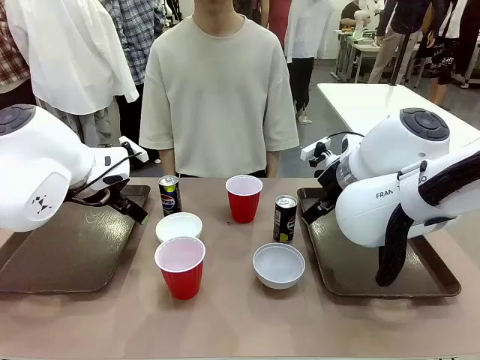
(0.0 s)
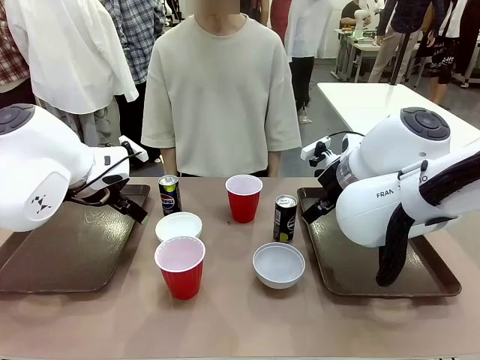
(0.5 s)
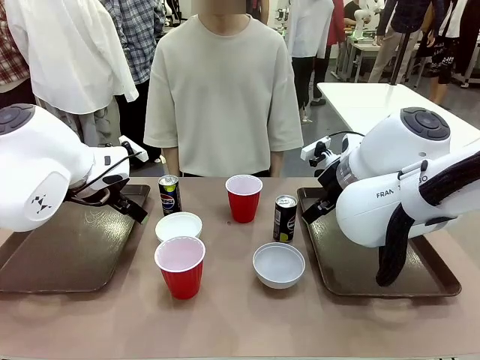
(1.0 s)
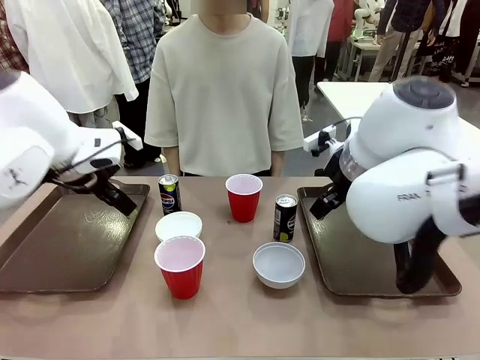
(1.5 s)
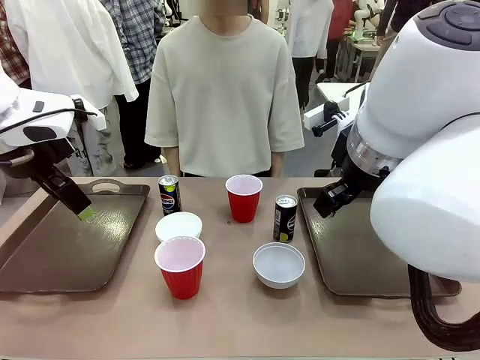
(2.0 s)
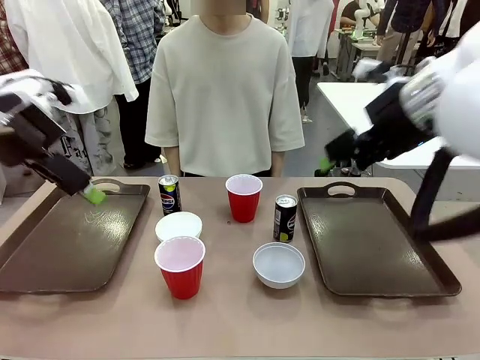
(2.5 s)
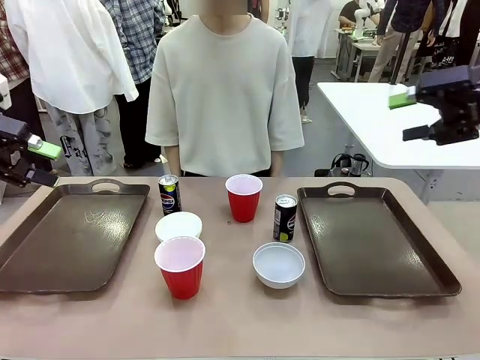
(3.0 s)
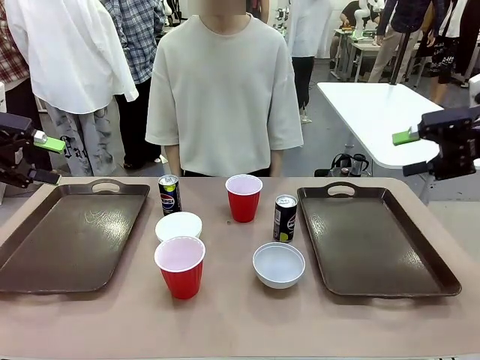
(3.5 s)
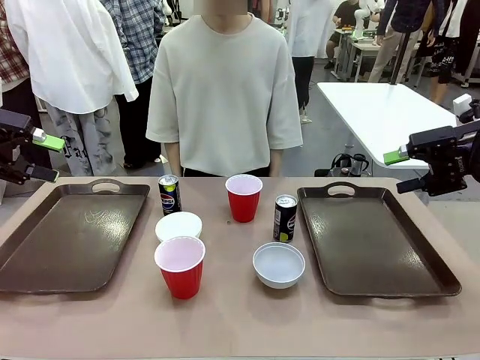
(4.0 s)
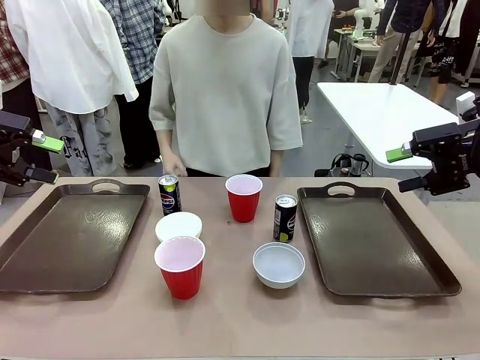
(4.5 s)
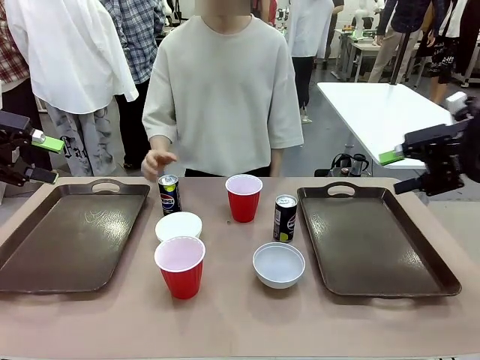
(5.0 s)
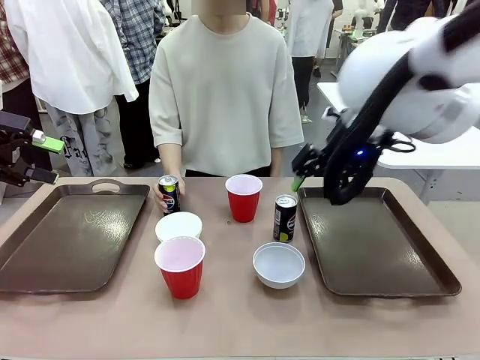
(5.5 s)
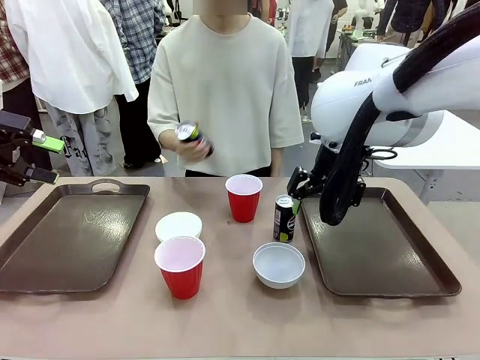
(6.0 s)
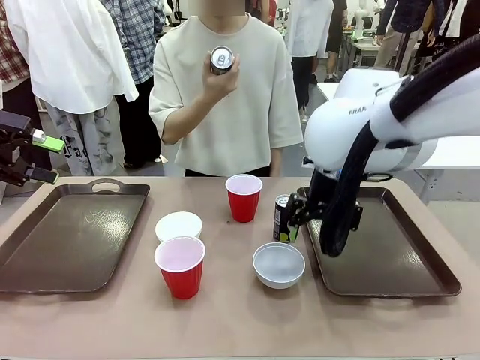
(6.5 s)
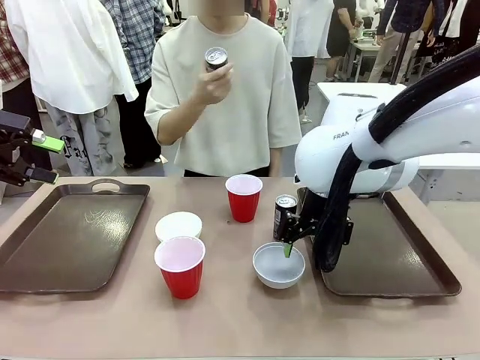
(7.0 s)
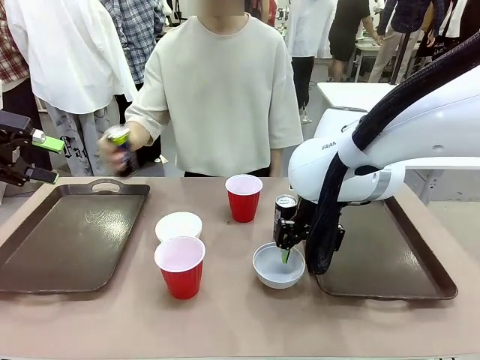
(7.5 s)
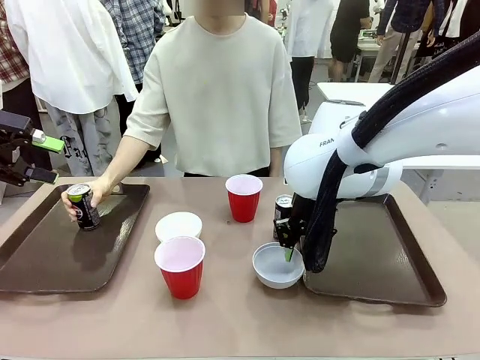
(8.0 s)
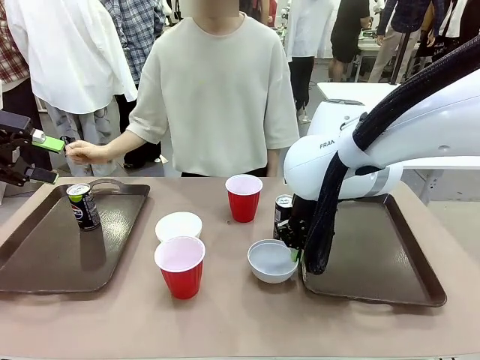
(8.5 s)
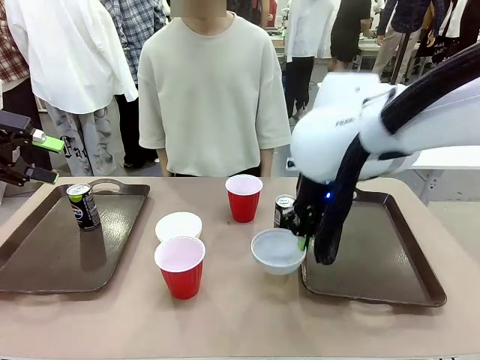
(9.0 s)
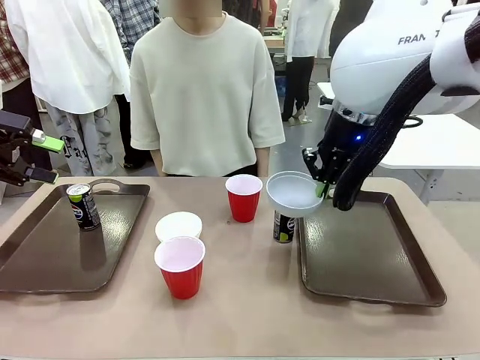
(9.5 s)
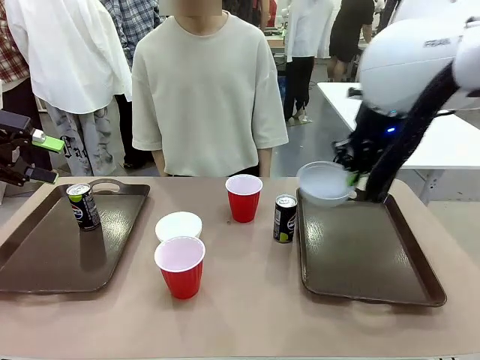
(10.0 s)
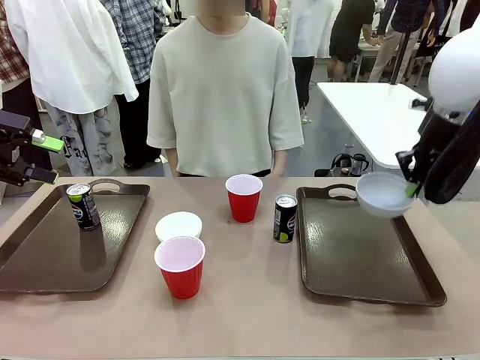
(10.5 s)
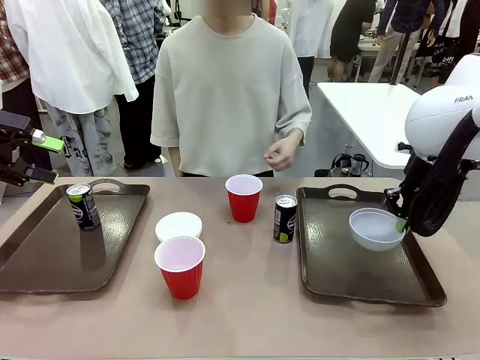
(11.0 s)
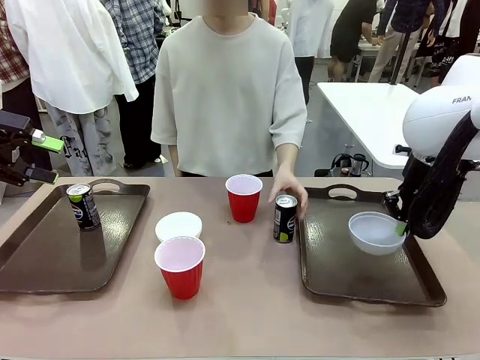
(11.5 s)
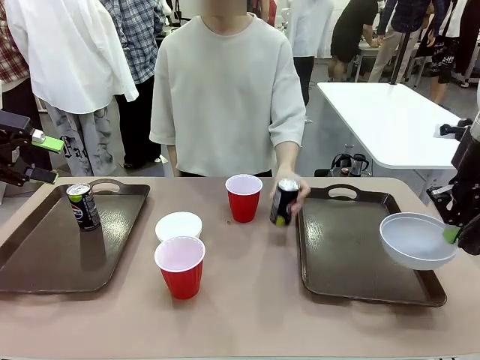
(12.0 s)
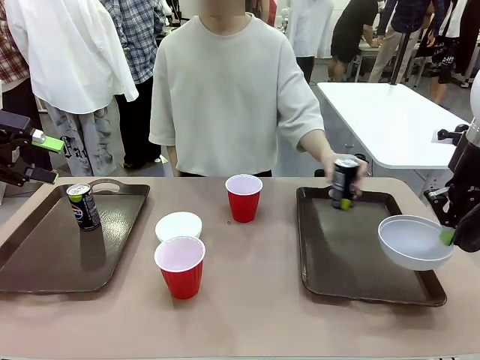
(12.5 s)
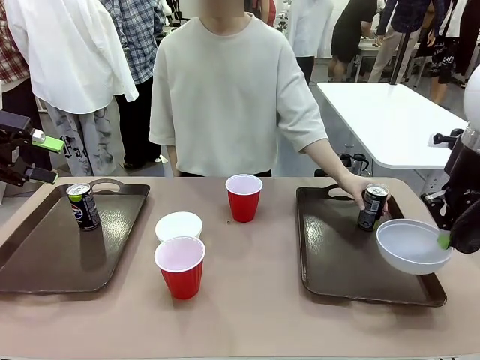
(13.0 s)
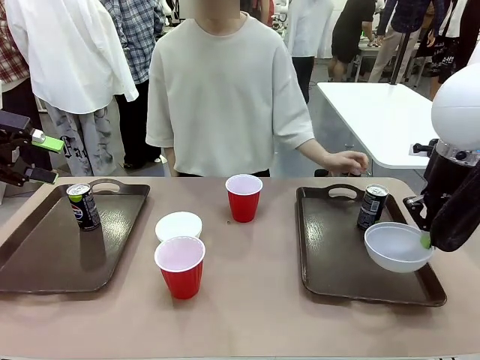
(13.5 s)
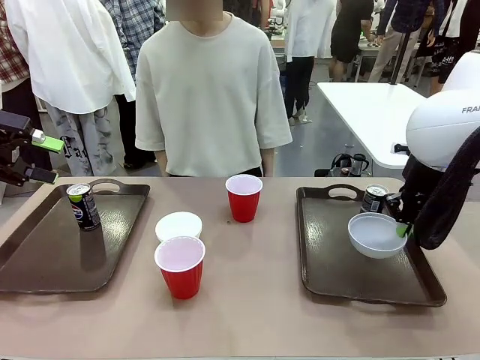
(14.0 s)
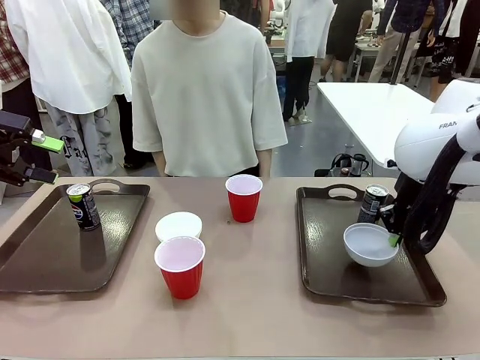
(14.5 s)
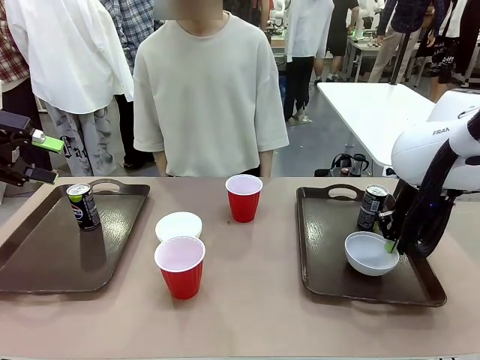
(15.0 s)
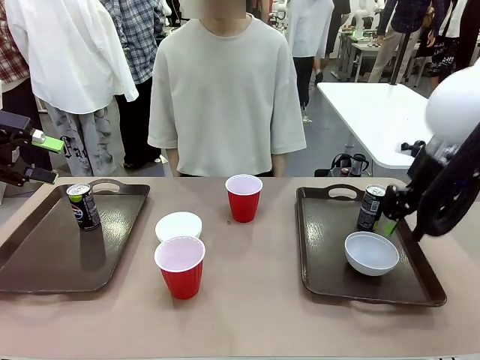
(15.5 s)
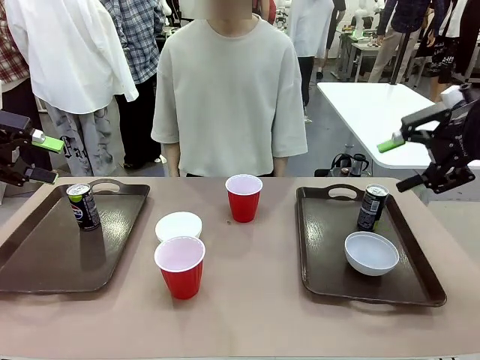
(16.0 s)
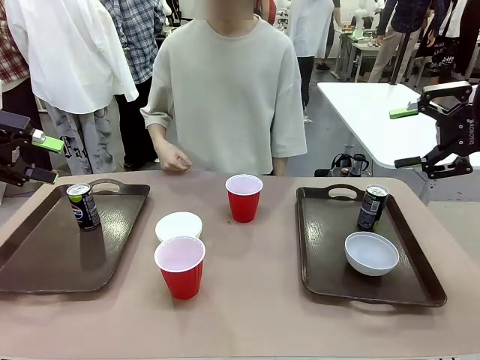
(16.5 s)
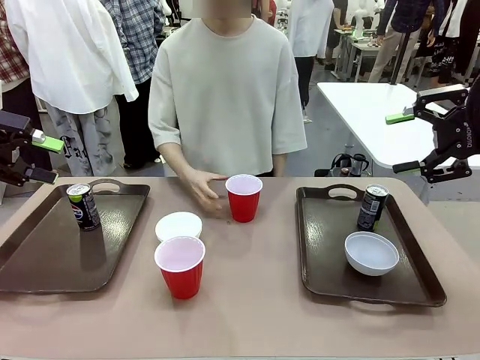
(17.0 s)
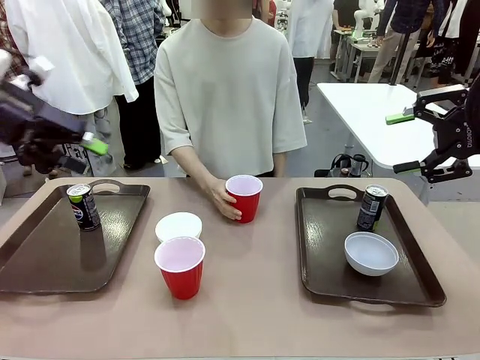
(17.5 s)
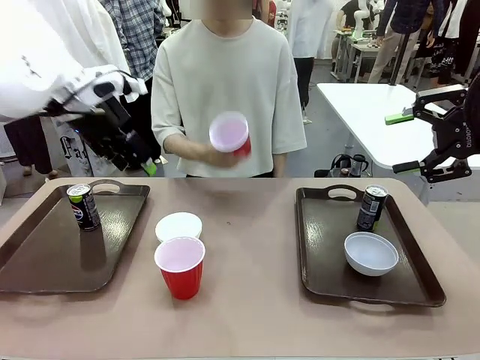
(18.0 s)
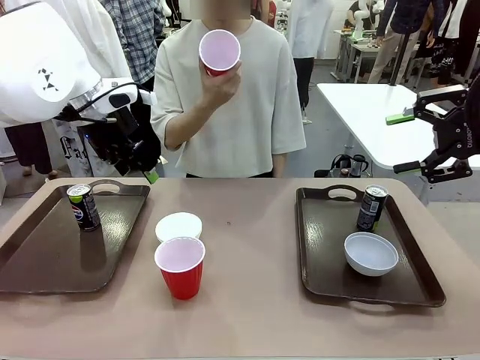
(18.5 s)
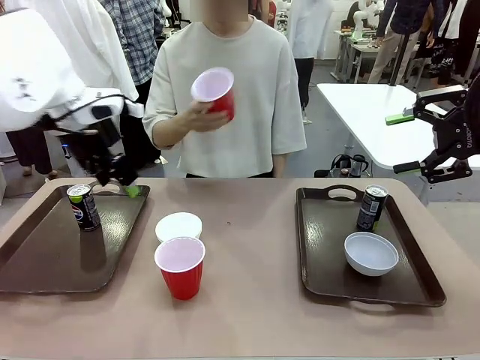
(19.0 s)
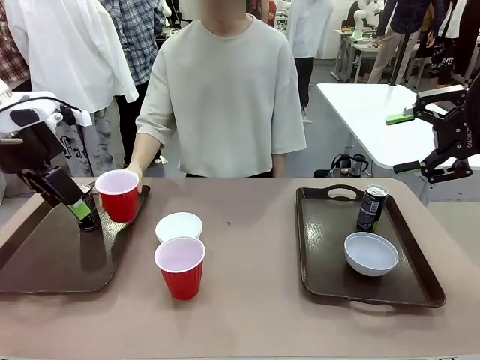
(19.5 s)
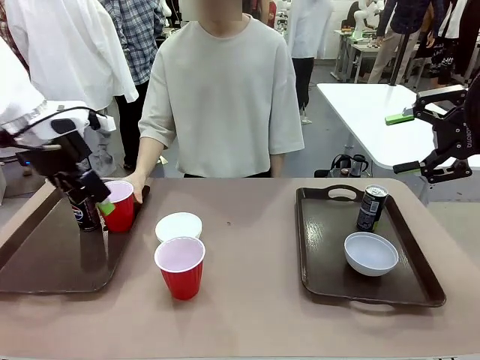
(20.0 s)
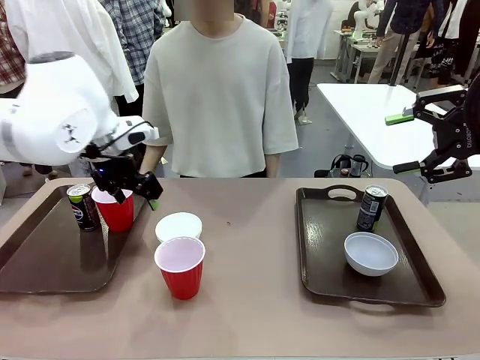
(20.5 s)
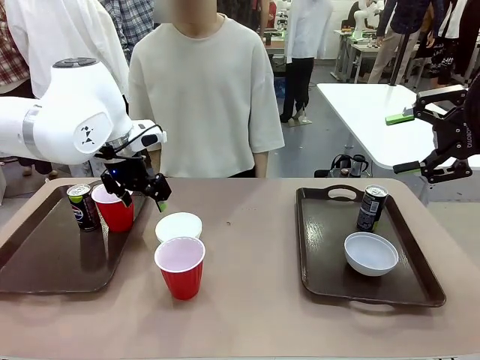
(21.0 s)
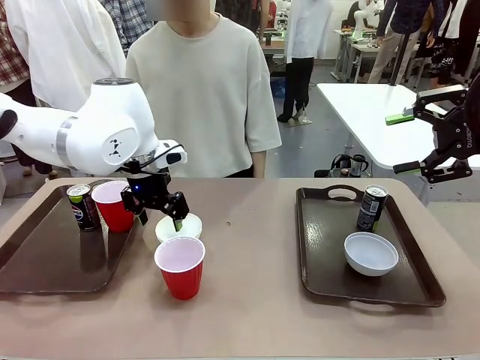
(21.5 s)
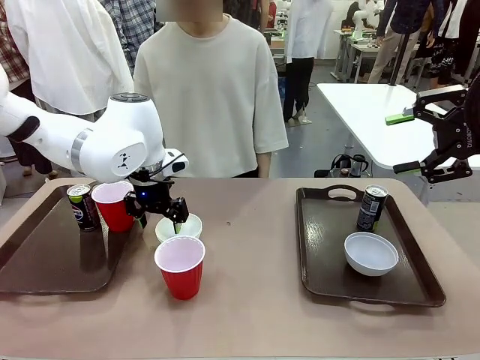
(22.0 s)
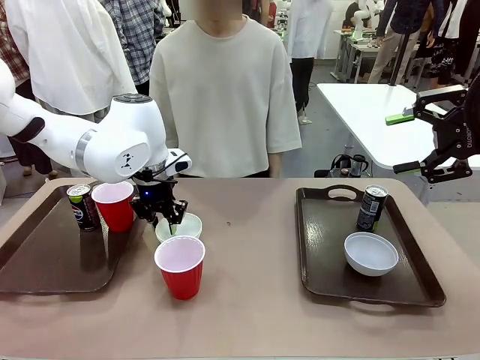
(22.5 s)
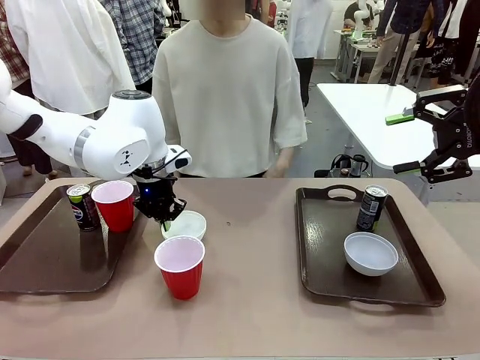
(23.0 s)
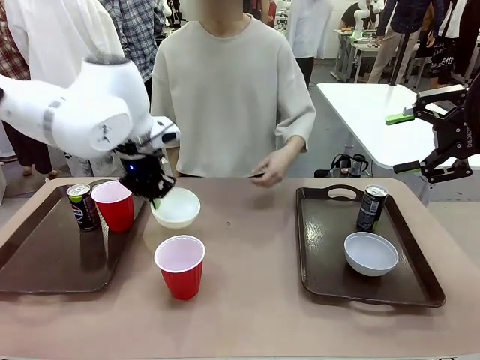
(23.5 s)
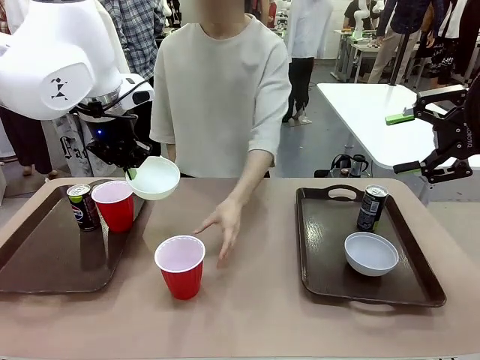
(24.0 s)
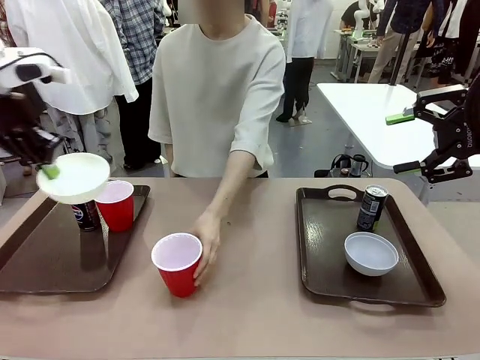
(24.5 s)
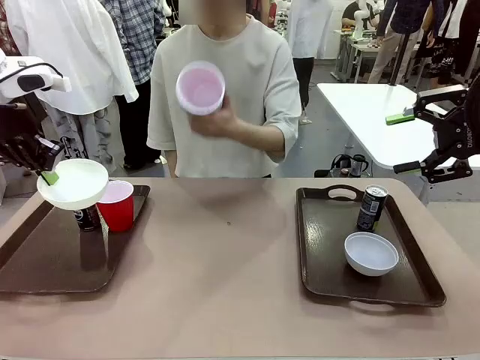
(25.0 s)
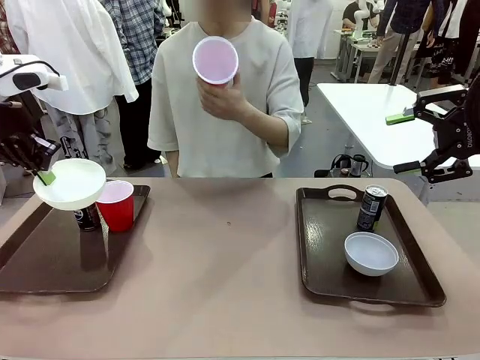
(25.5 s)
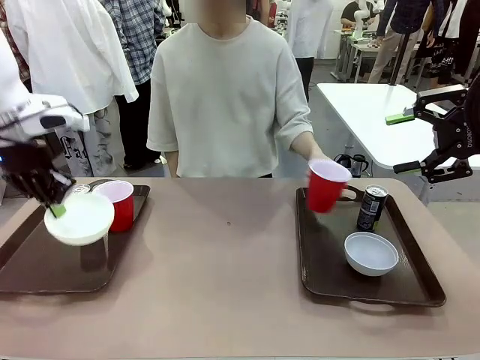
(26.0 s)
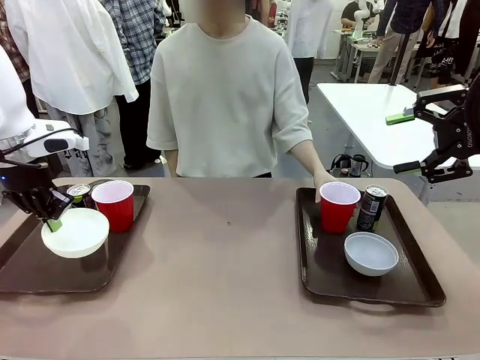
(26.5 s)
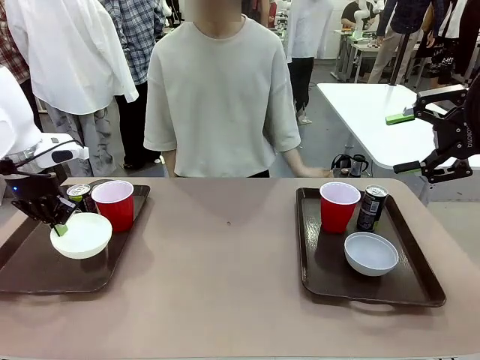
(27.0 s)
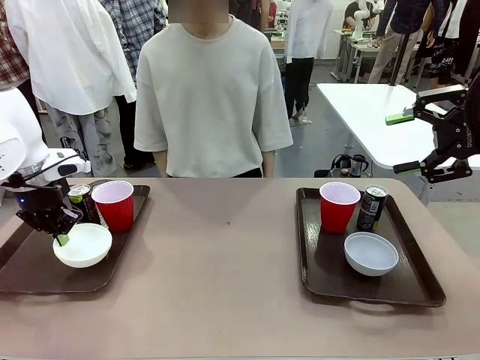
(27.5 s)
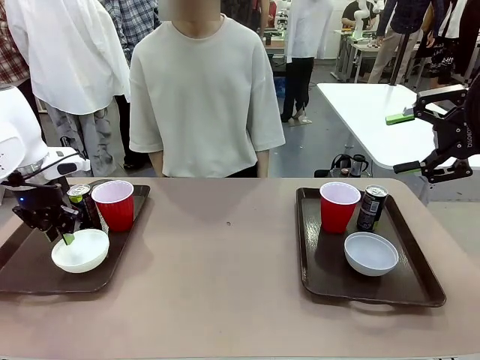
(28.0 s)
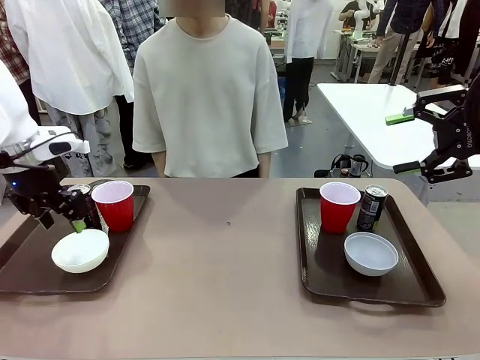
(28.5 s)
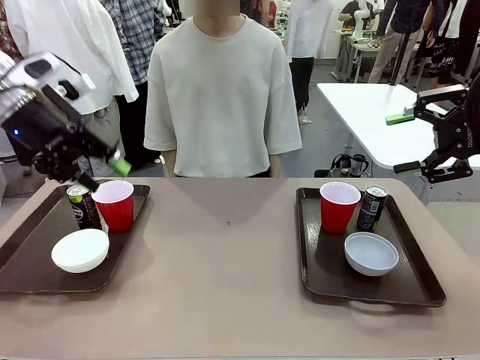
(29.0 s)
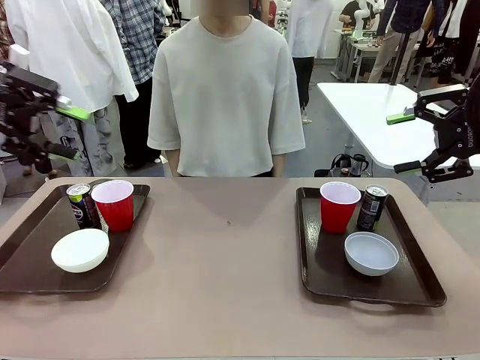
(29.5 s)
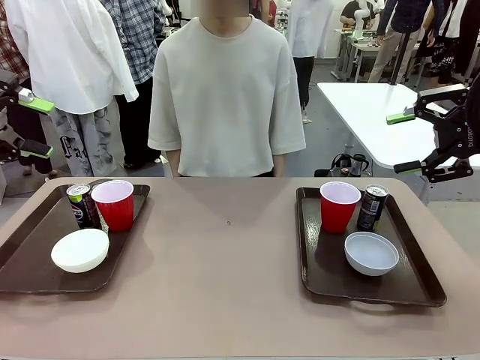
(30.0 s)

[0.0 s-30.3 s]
Task: Prepare tableware on both trays.
Robot: Pick up a Picnic Bowl from the table and place it on a Handle tray.
Person: Pick up a can or cup and place it on the tray. Pick up a can or cup and place it on the tray without a can or cup.
